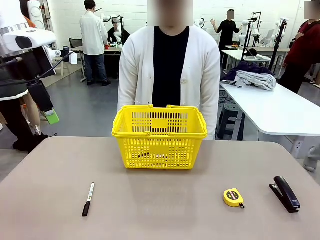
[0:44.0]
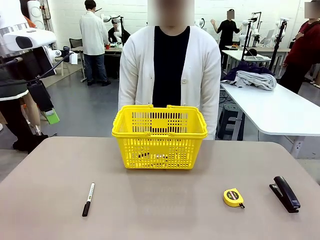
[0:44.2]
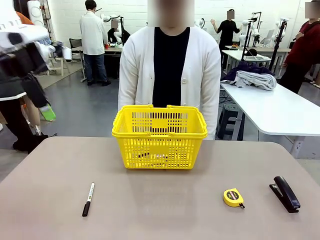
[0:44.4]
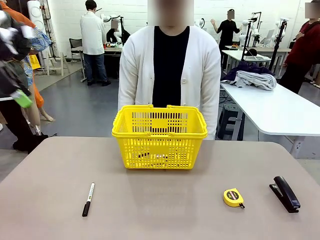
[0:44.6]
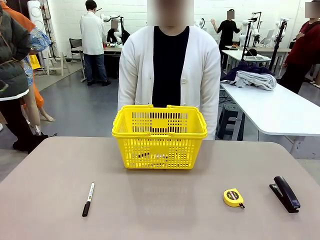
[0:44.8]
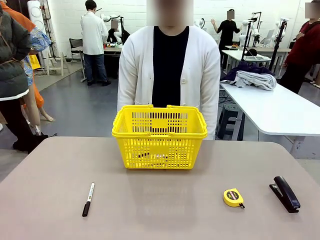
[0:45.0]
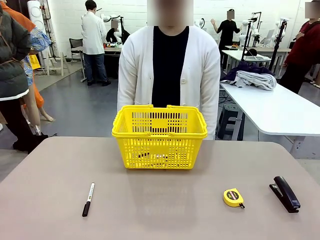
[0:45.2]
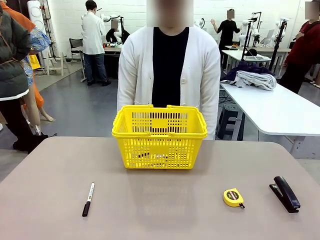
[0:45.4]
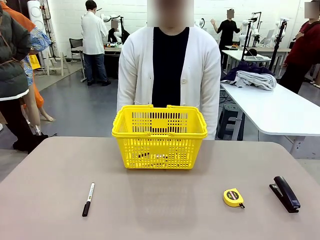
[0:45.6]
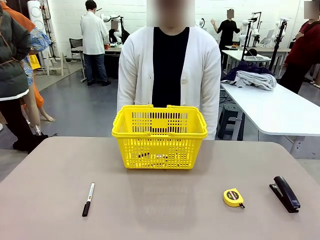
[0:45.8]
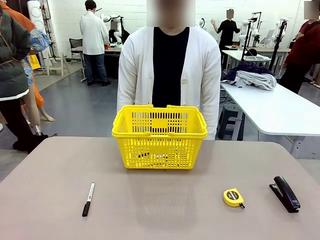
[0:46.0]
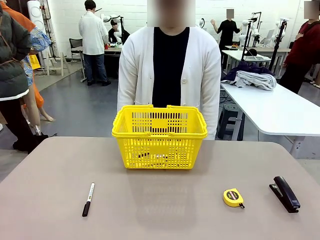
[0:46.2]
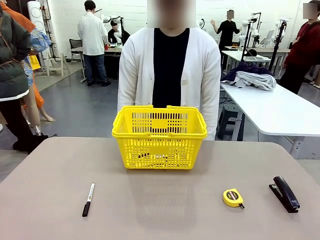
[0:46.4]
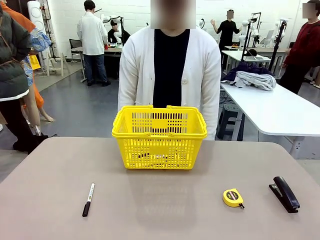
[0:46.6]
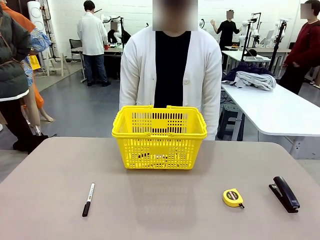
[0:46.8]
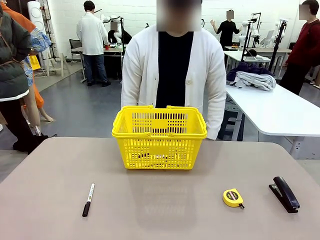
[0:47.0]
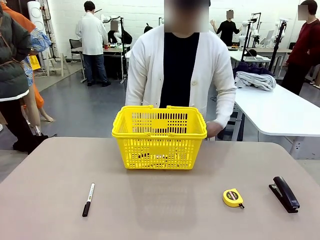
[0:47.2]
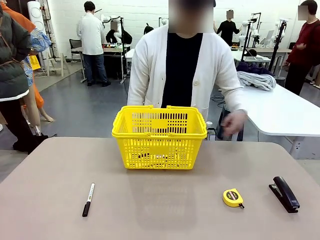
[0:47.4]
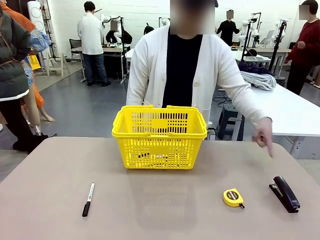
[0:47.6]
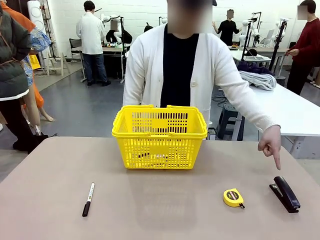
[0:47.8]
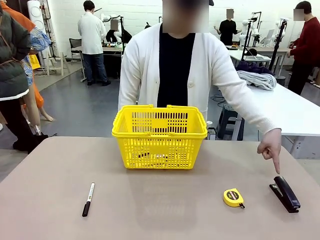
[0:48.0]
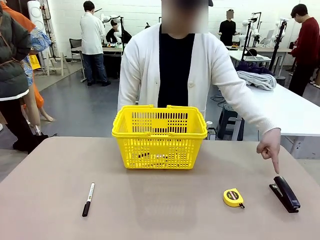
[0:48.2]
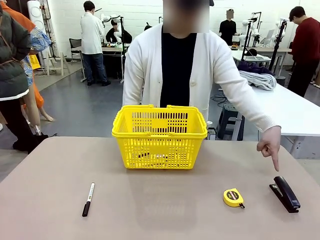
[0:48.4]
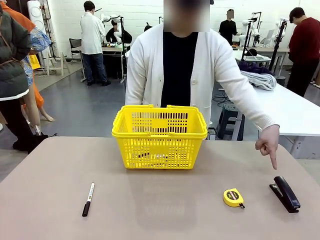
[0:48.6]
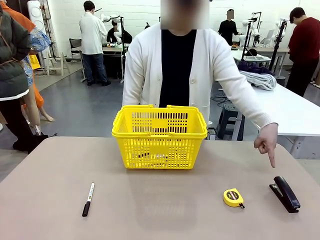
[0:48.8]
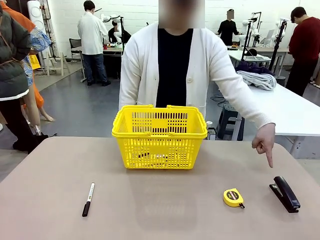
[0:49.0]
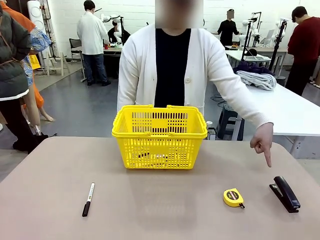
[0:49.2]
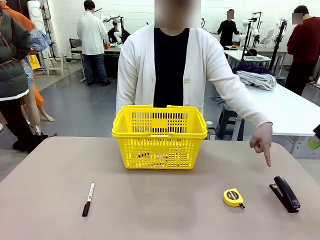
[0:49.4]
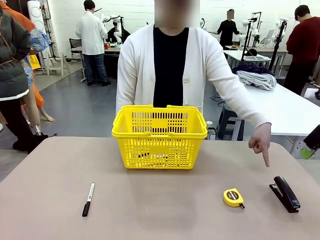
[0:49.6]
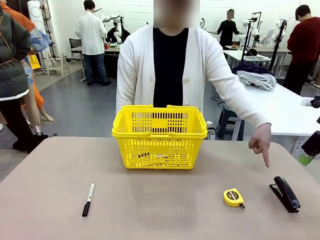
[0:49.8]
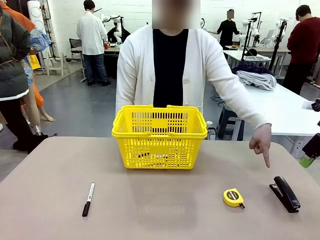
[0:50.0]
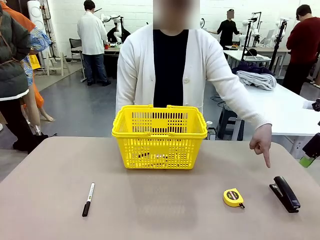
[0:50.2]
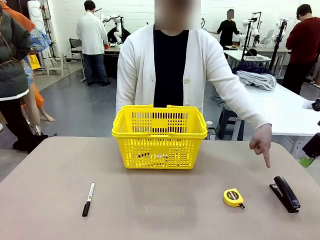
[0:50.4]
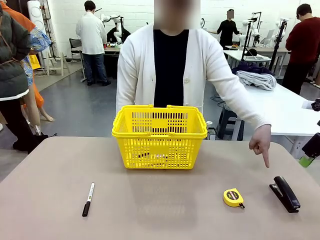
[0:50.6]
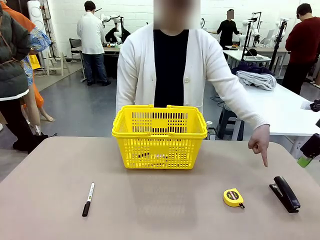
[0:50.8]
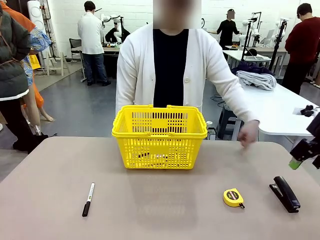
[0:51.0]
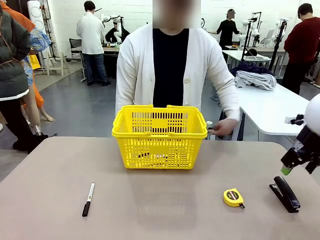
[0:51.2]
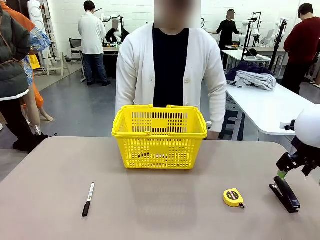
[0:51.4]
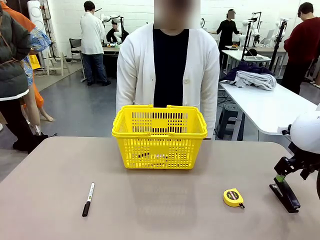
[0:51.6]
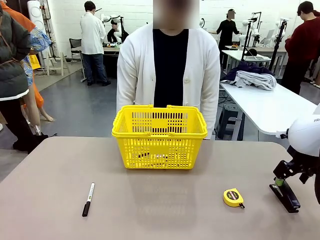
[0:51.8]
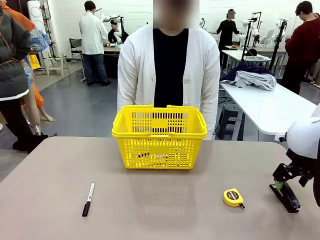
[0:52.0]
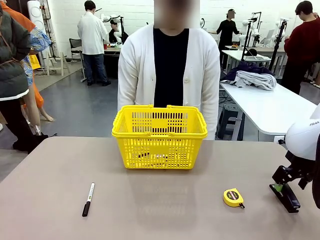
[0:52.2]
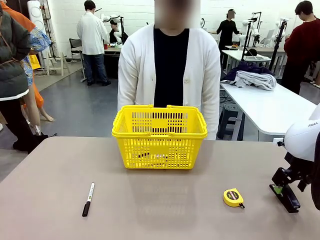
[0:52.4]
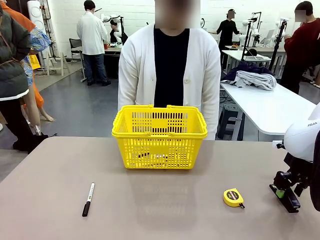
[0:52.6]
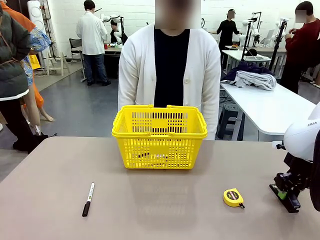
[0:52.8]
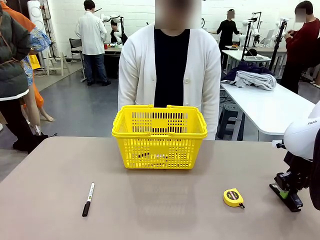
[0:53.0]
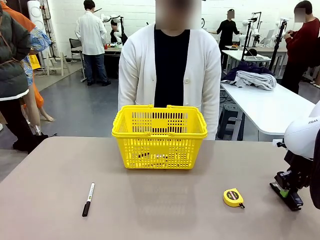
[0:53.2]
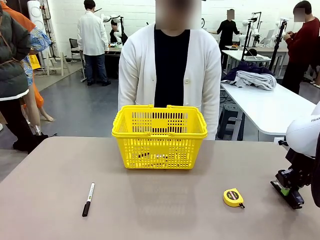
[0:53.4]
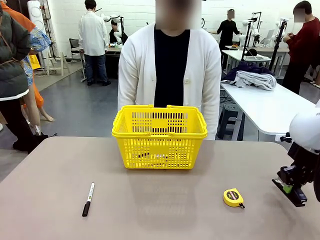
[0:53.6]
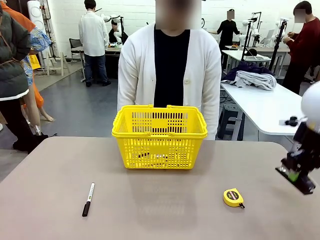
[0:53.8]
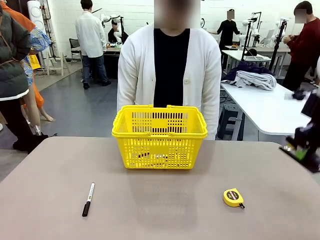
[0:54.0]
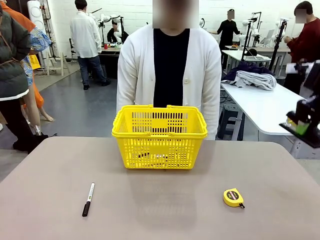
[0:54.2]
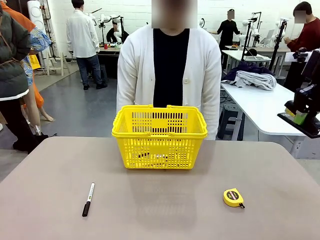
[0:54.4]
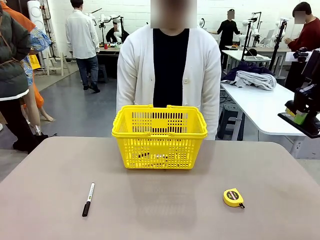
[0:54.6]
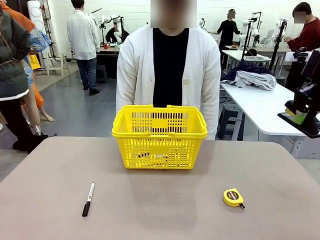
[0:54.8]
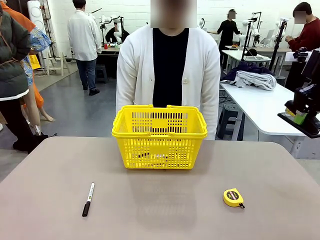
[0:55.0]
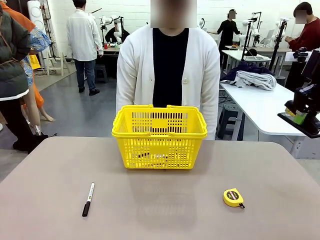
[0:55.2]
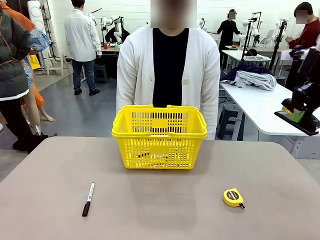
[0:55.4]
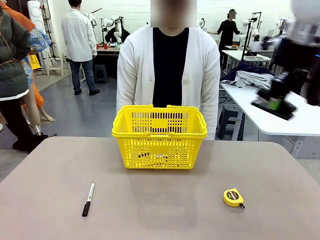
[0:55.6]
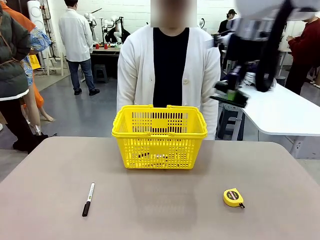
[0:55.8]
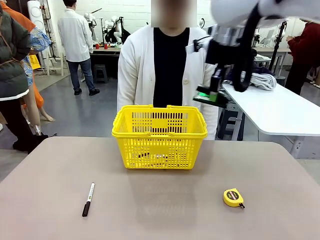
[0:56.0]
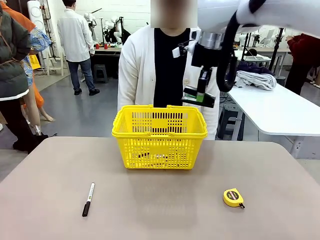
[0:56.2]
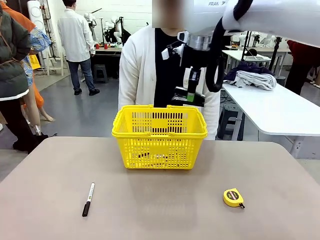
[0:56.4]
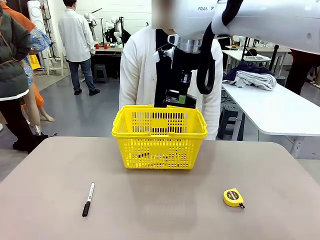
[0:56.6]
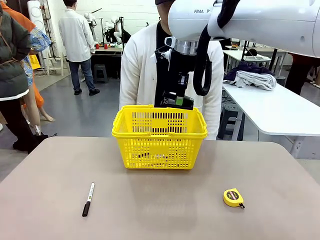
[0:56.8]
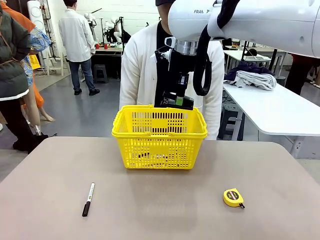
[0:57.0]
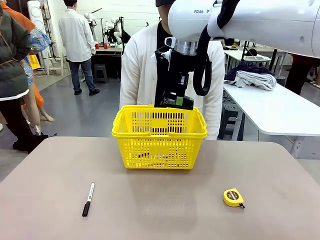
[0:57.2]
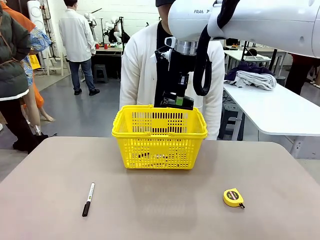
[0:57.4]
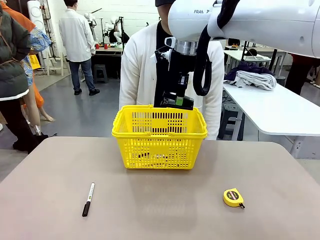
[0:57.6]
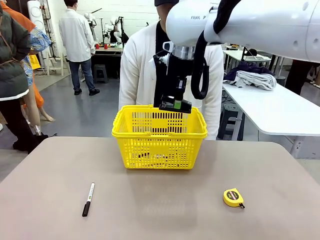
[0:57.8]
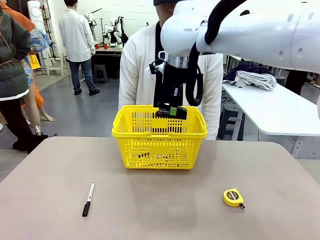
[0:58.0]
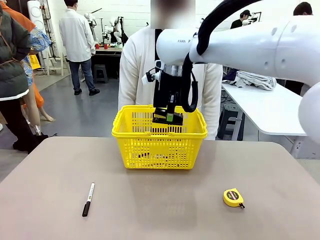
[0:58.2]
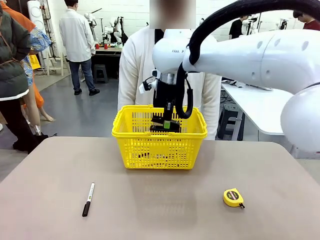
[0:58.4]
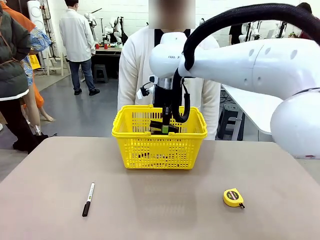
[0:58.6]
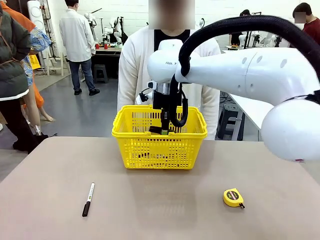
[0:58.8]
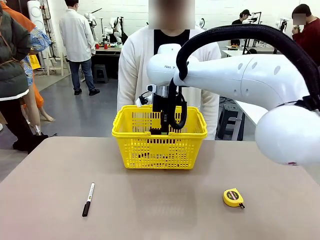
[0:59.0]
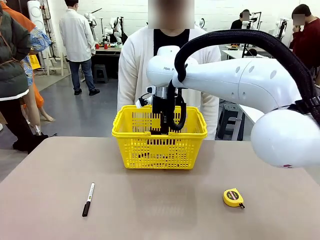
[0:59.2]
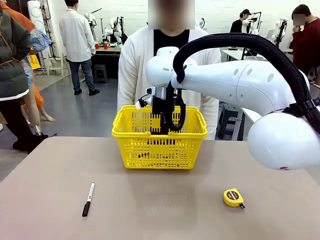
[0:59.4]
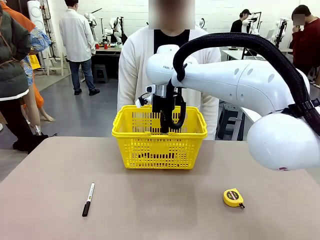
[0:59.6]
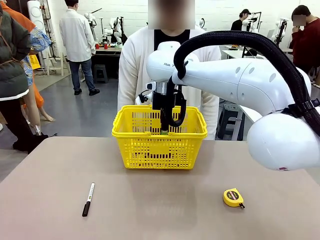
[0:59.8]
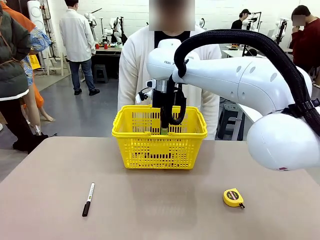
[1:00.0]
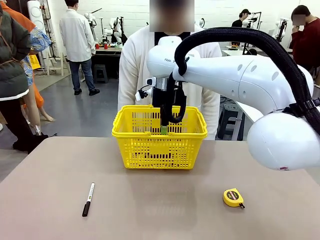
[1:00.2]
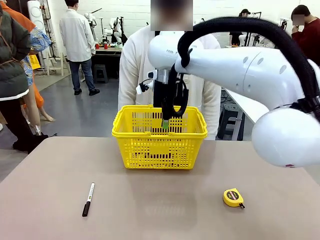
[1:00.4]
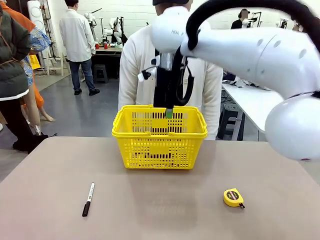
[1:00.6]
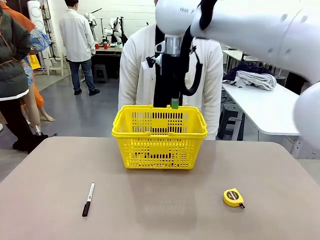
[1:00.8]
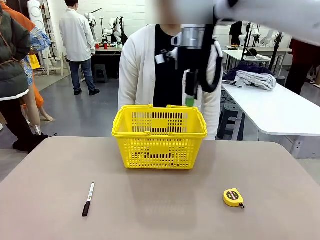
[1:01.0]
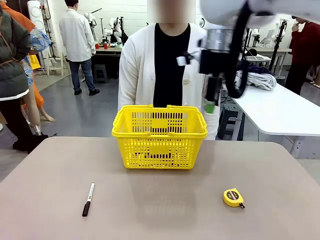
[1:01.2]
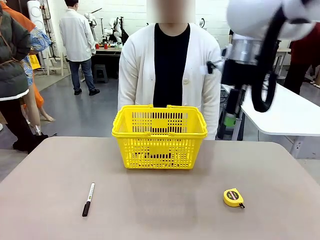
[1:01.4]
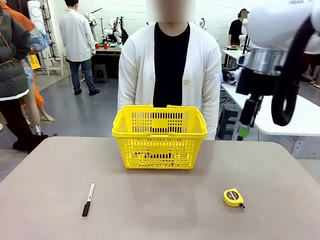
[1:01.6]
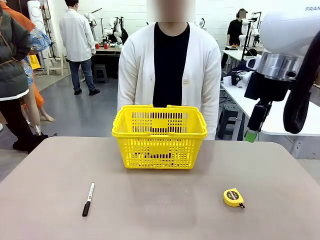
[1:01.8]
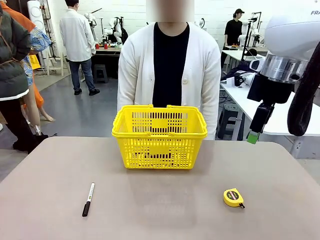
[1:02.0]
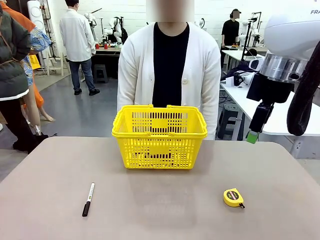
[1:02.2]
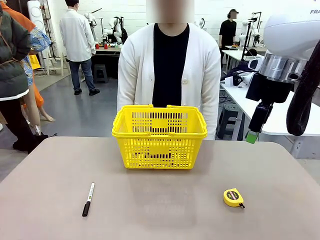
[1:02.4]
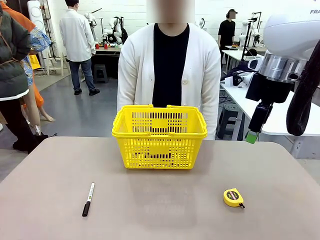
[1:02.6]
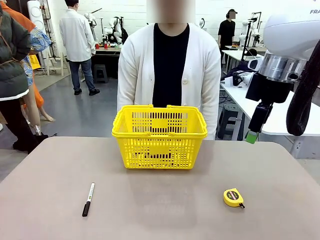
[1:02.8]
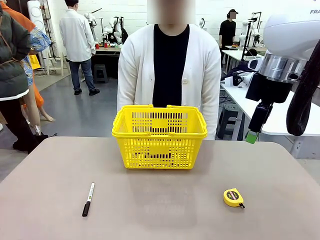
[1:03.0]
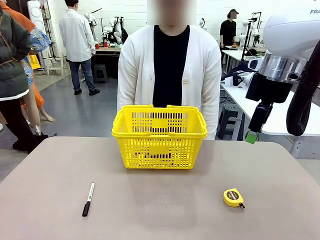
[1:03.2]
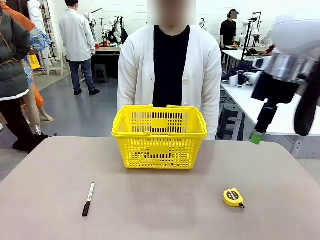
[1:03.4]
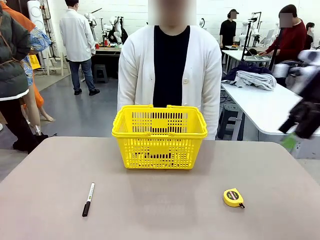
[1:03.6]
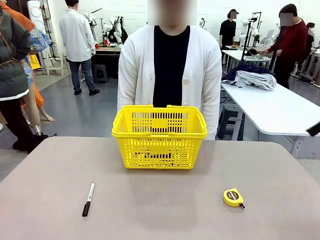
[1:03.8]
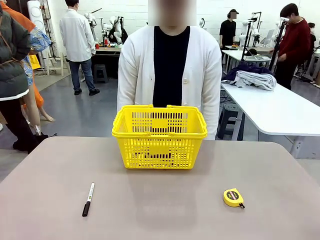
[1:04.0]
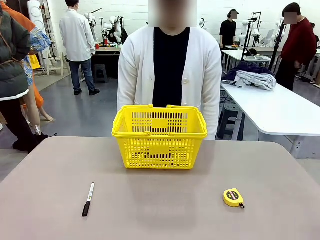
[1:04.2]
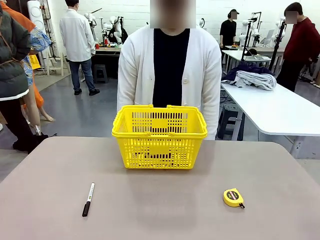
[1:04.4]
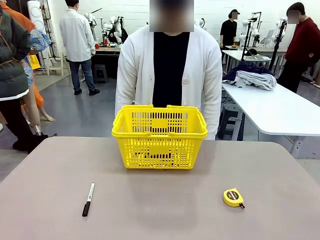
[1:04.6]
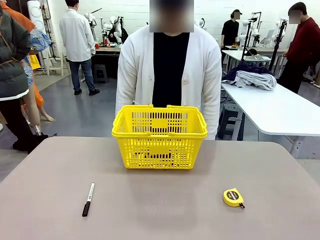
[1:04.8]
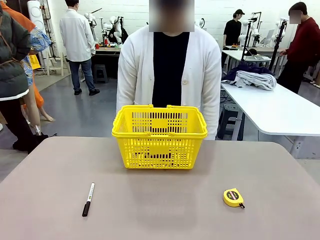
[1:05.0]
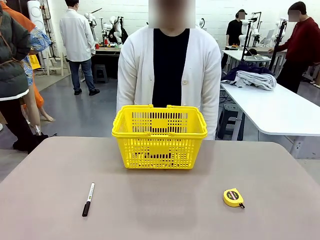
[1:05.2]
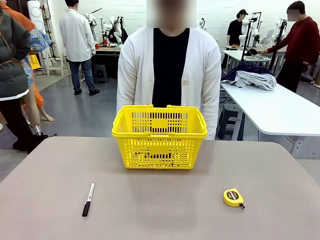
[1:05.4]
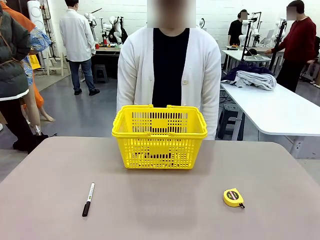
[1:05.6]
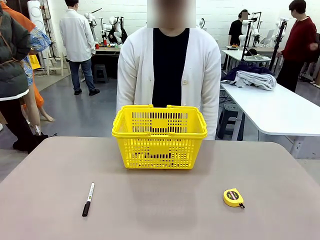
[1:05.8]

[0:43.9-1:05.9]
Task: Place the items the person wants into the basket.
Robot: Pick up the item the person points to and place it in the Market Basket.
